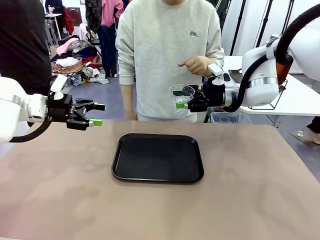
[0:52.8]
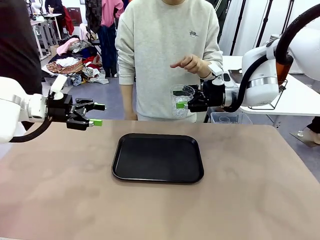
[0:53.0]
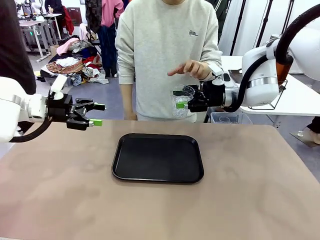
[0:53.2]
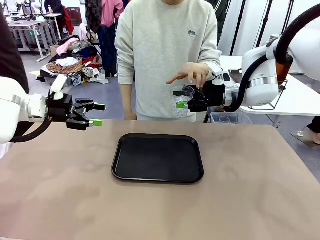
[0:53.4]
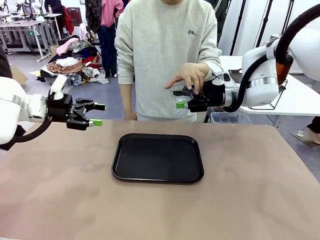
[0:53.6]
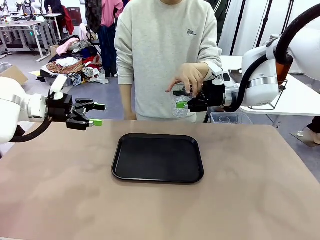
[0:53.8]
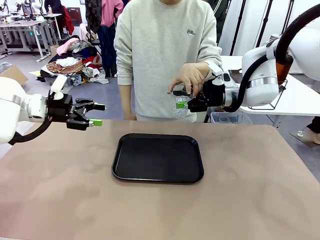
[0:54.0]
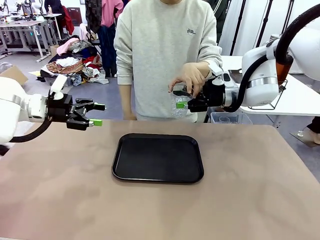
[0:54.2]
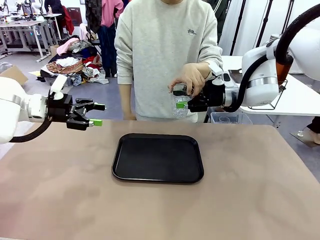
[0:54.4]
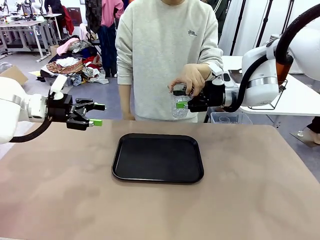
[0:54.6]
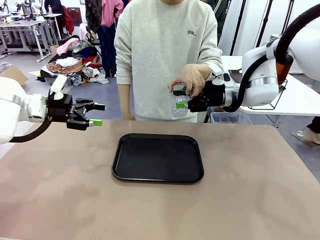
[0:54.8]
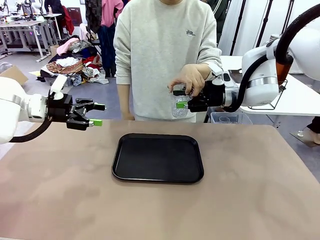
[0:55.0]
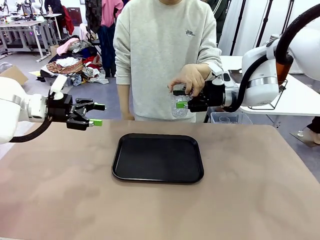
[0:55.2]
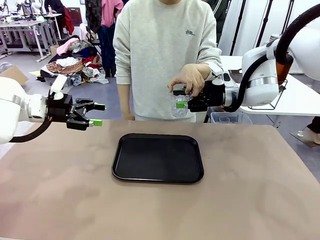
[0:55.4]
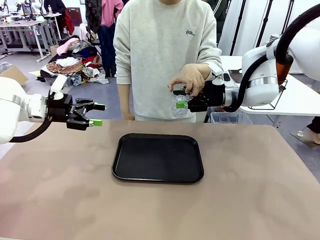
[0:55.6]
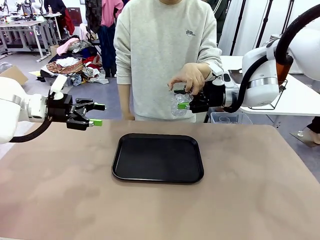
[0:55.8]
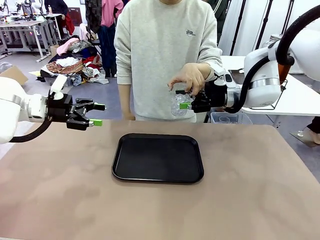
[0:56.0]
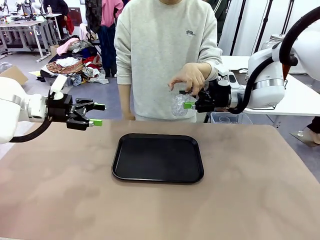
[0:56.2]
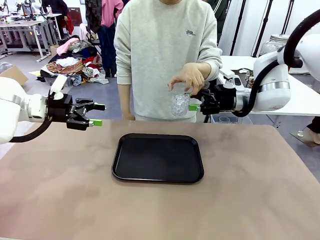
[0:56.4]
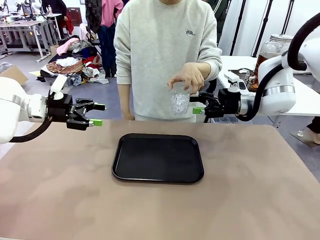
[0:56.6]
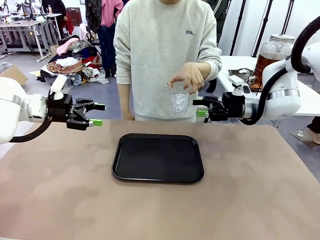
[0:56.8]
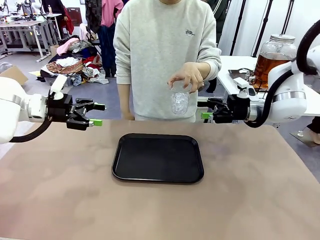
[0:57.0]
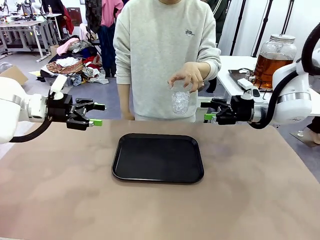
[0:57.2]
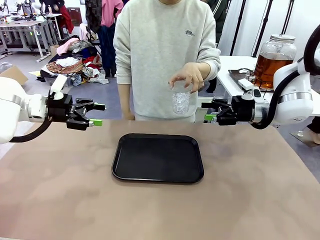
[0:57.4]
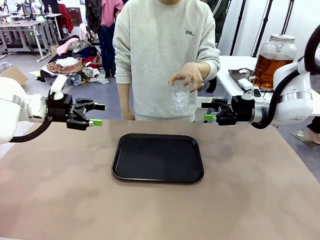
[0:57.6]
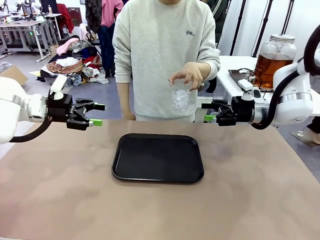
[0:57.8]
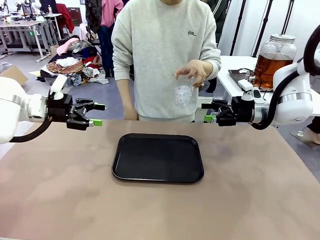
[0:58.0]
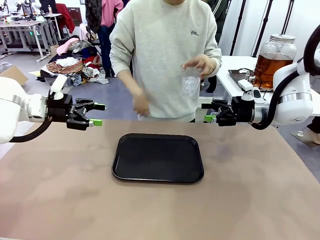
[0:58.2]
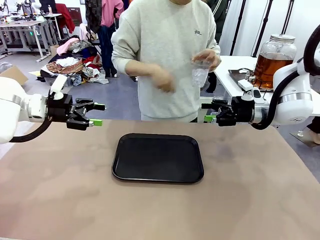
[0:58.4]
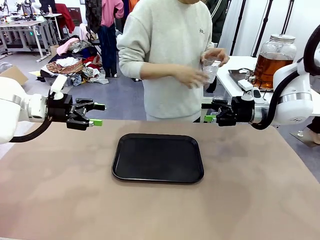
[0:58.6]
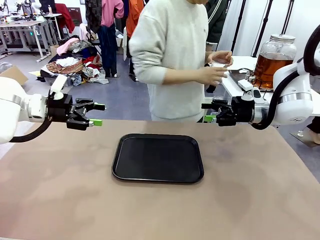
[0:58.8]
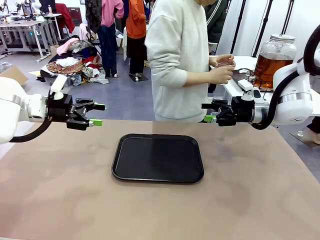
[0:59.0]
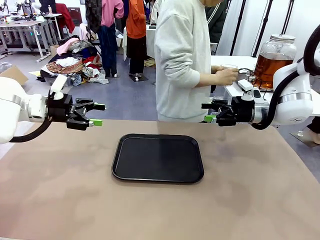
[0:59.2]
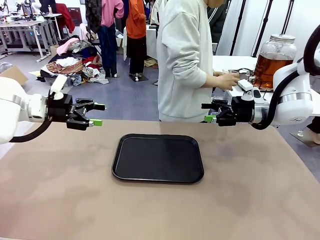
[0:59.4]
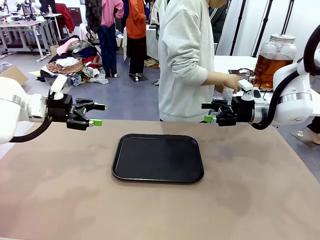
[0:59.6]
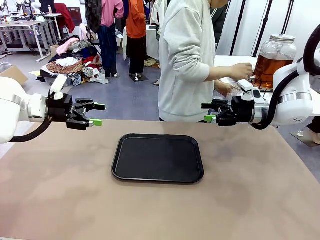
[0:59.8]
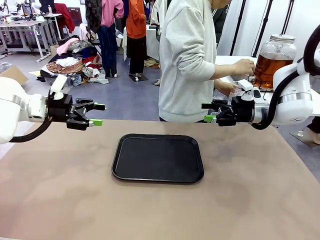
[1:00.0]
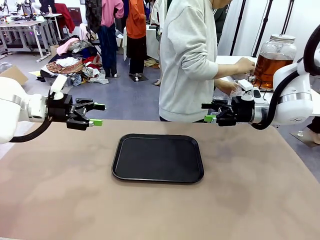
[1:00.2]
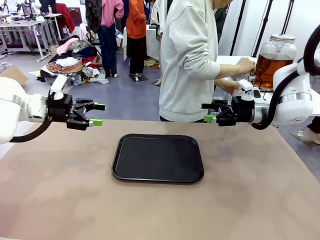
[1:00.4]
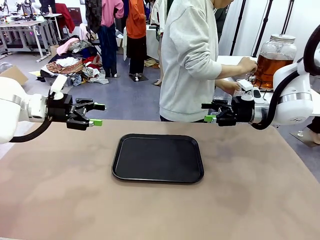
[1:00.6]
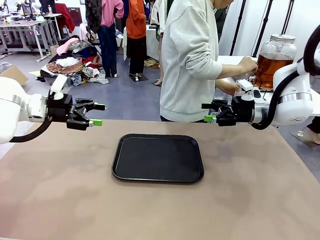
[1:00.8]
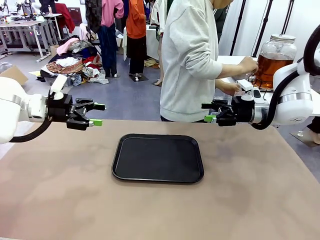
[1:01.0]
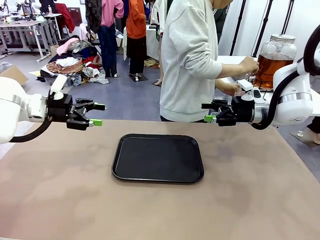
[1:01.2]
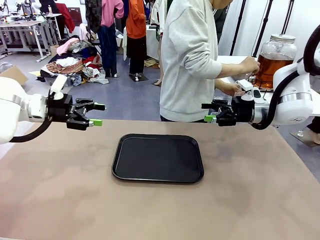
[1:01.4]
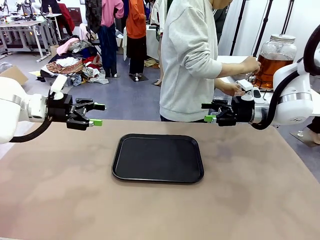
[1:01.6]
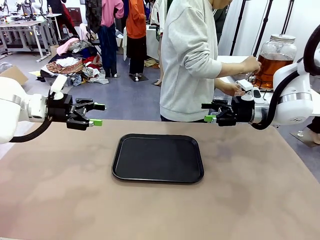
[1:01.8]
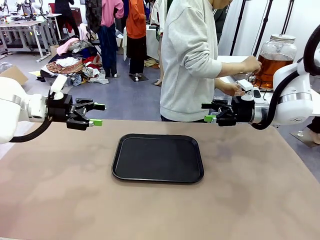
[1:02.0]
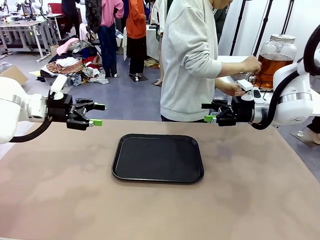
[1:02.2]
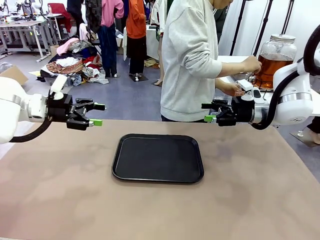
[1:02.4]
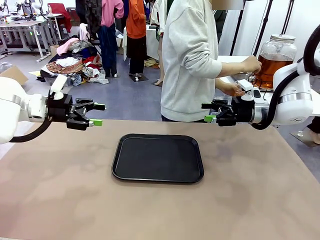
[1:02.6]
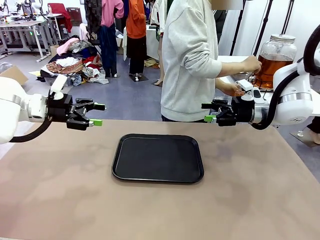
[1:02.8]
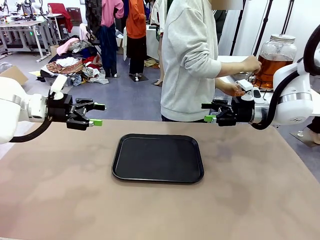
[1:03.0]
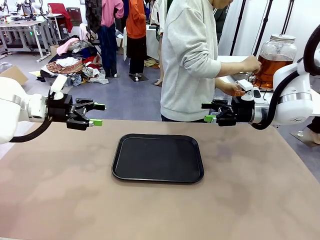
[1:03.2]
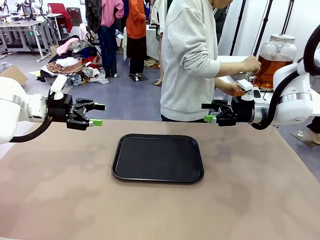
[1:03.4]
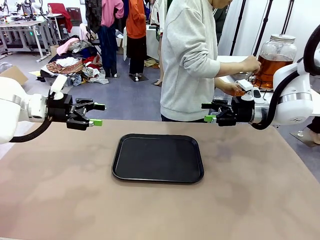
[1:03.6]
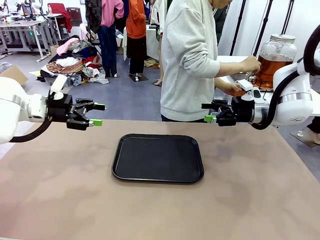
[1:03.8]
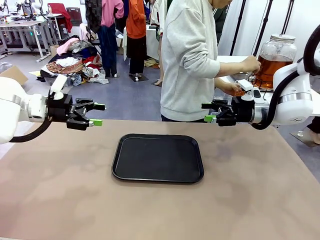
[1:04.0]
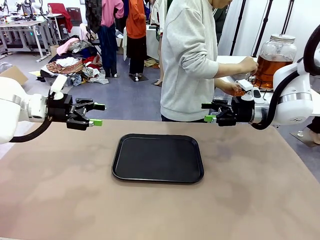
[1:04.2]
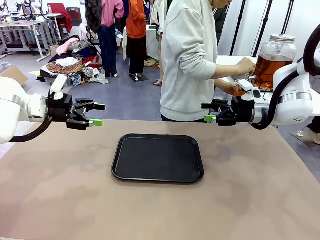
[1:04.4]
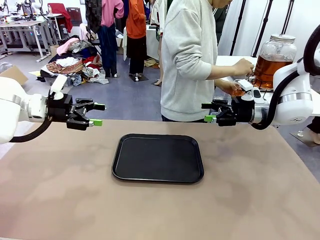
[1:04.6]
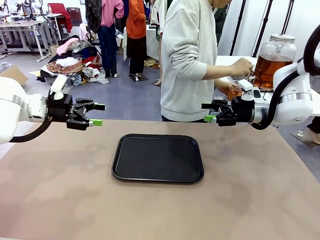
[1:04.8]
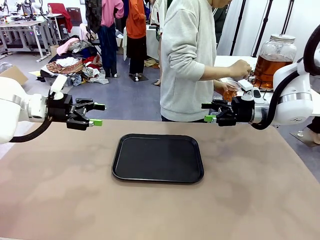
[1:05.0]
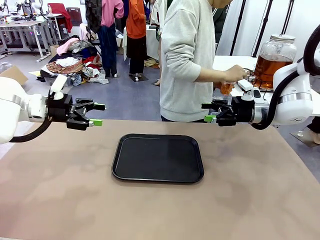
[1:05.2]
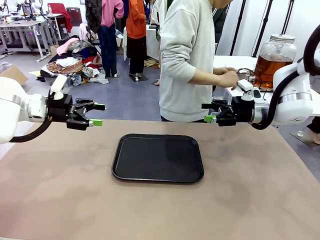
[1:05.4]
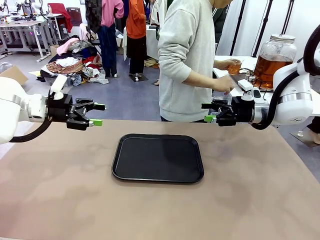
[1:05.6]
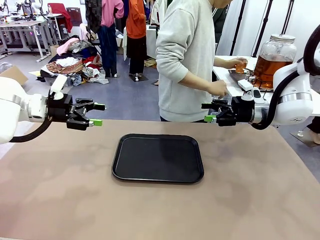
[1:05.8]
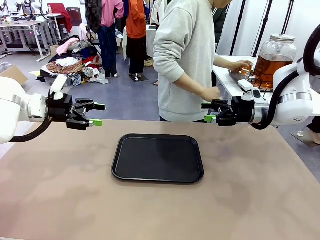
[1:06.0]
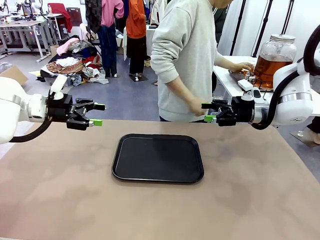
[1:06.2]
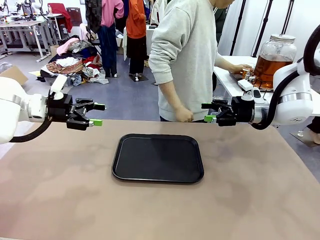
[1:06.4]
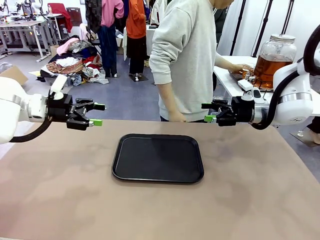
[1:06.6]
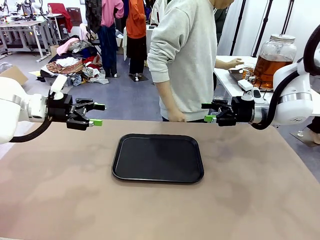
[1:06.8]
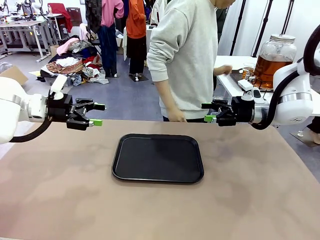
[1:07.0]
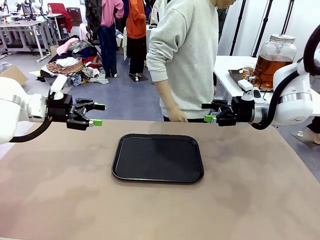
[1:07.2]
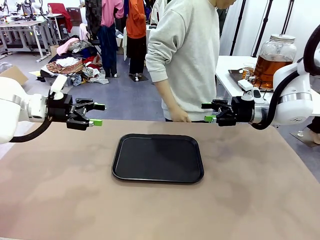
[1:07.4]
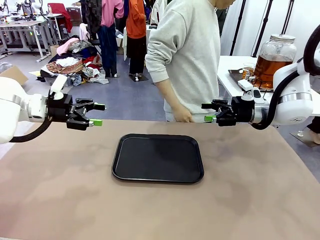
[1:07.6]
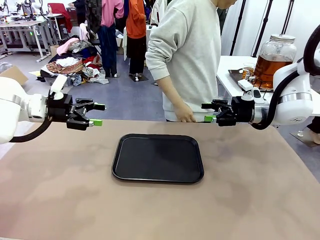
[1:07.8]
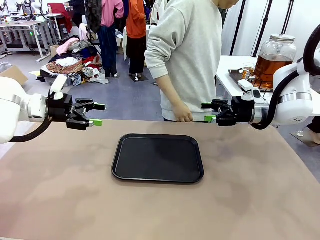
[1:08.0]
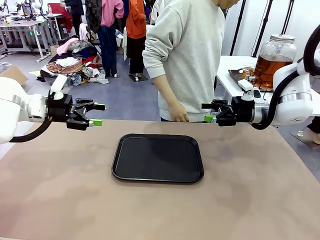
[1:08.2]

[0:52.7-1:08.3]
Task: Pour the drink into the iced cup.
Robot: Open the gripper to release the iced cup you were holding.
Person: Move the picked-up cup under the dispenser faucet, pour the drink, and place it on the tray on the human table.

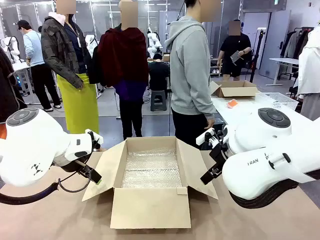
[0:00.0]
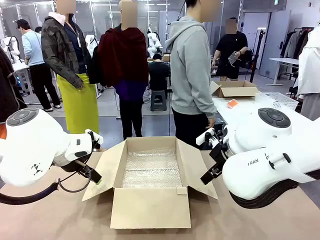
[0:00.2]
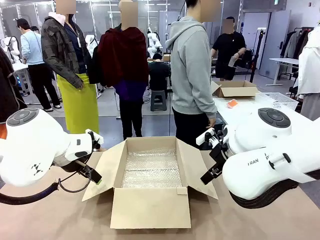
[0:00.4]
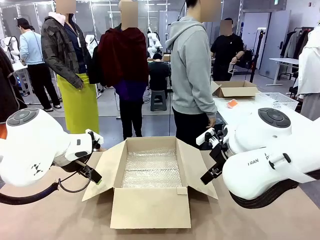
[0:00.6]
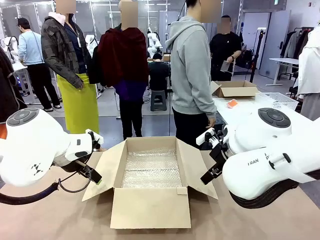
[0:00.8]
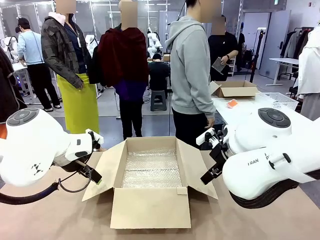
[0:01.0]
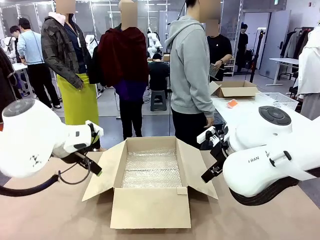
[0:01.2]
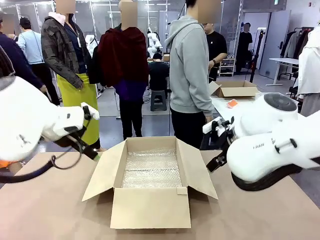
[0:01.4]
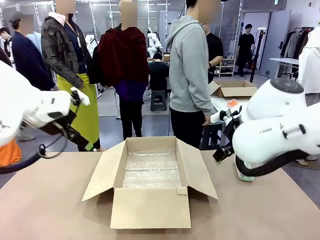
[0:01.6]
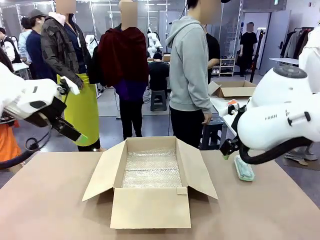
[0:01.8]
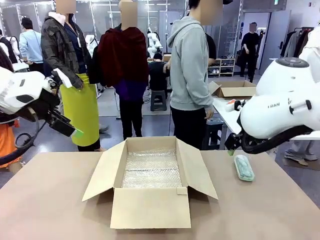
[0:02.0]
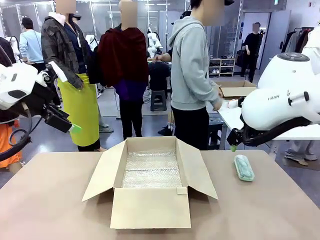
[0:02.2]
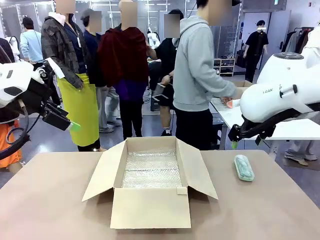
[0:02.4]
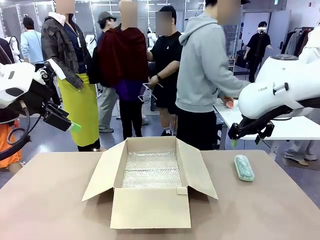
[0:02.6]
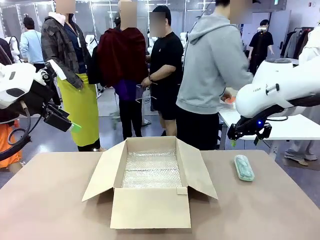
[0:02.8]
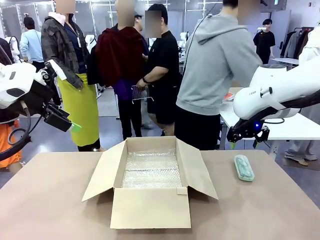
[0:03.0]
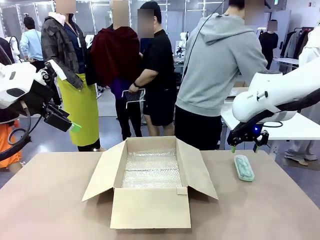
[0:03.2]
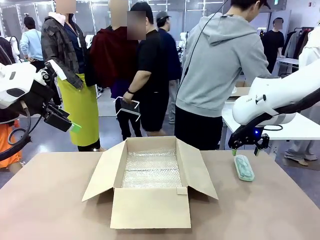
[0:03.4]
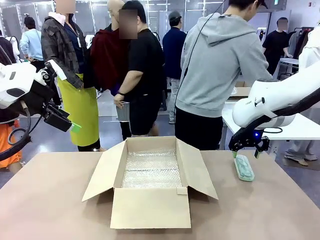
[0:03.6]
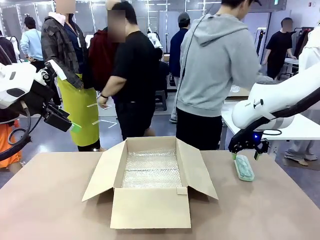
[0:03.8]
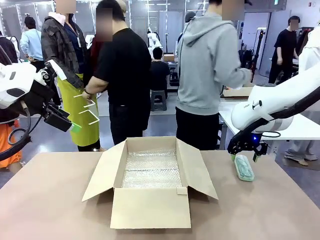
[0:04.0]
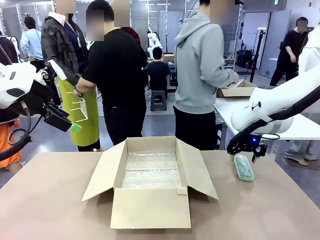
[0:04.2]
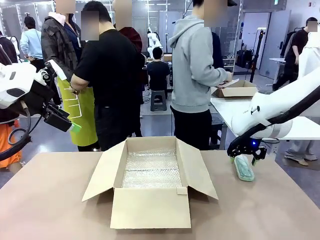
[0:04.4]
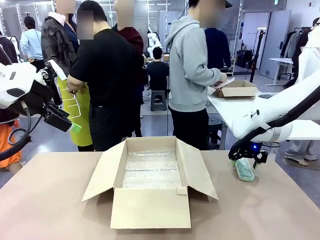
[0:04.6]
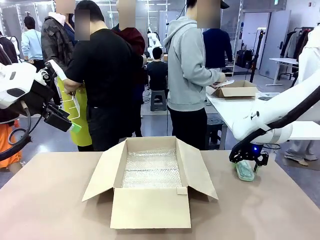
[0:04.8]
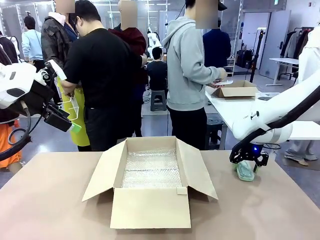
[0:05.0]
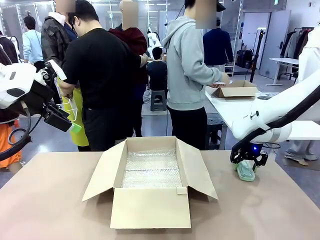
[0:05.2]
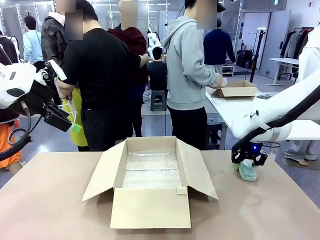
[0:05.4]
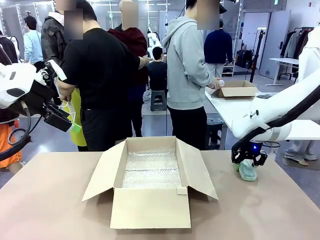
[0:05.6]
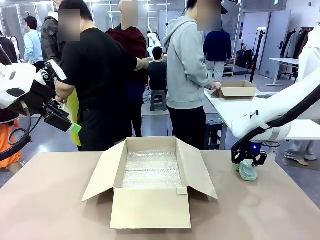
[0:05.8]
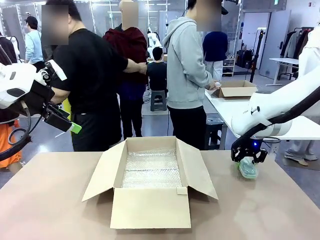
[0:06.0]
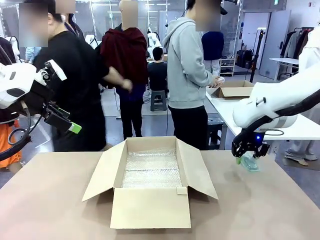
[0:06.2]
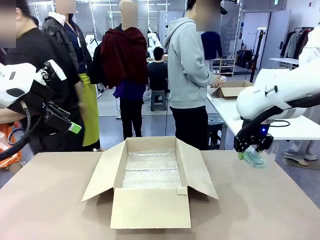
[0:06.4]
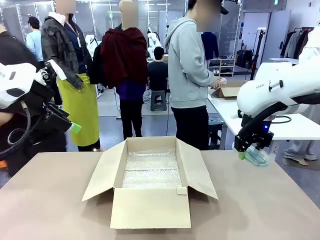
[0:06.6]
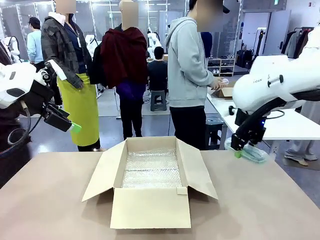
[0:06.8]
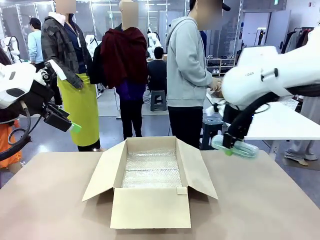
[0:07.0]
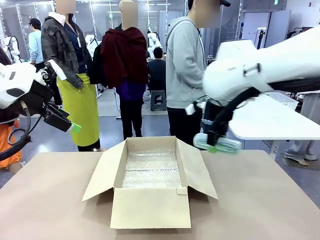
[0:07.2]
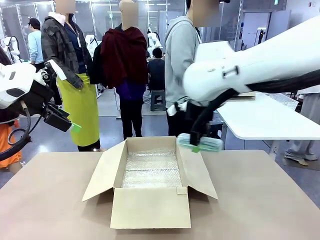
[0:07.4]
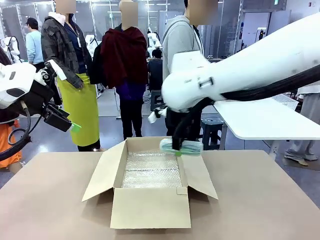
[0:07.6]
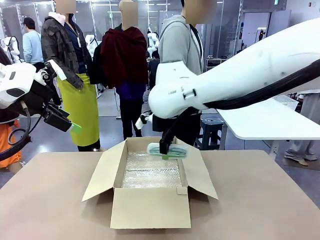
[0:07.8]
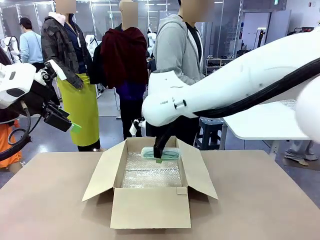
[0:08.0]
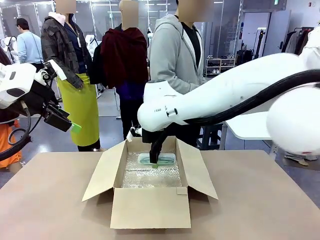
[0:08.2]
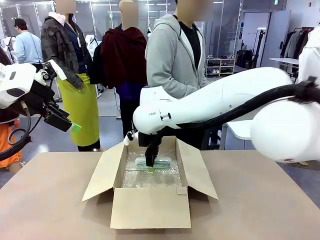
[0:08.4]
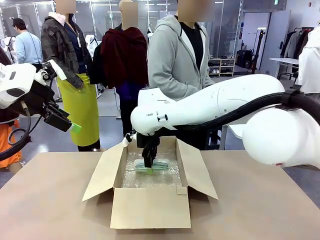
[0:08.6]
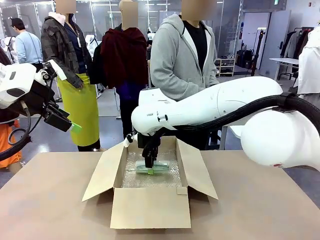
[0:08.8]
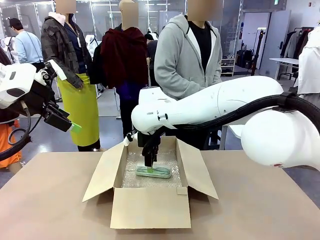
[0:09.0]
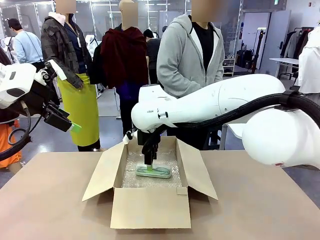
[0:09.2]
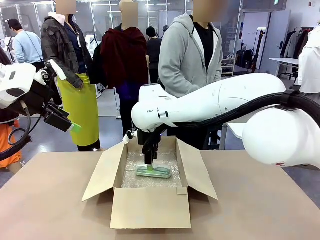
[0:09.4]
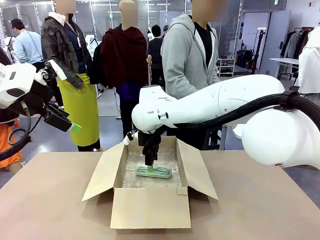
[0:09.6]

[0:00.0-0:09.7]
Task: Pack the glasses set securely to prepare it for shipping.
Robot: Place the Glasses case inside the Package Box.
Person: Place the Glasses inside the Glasses case. Position the Glasses case on the left side of the robot's table.
